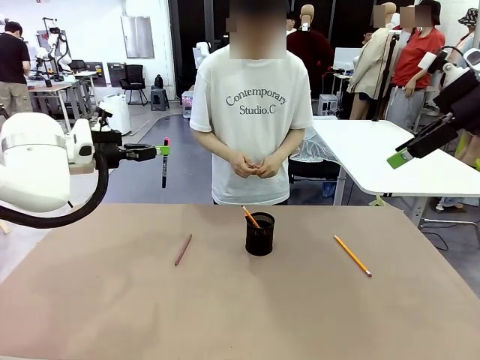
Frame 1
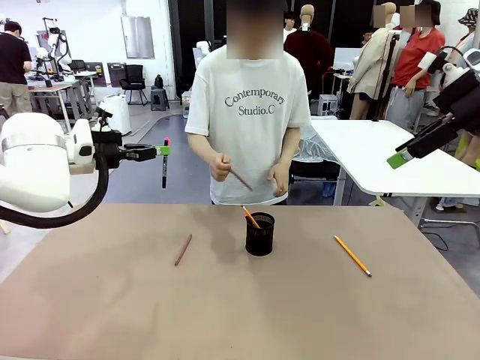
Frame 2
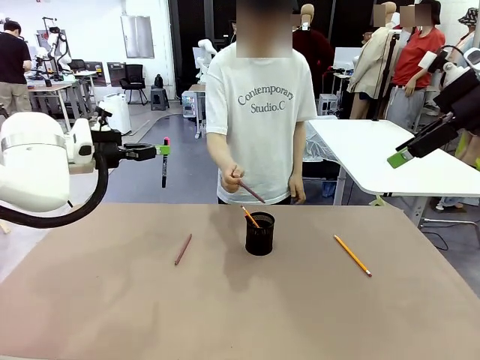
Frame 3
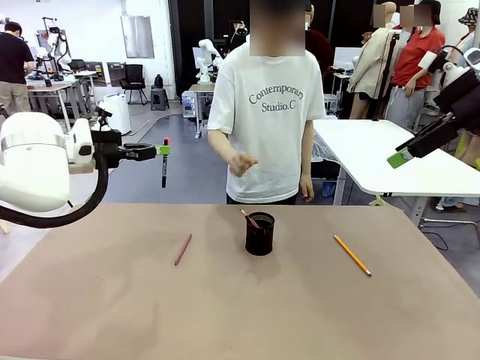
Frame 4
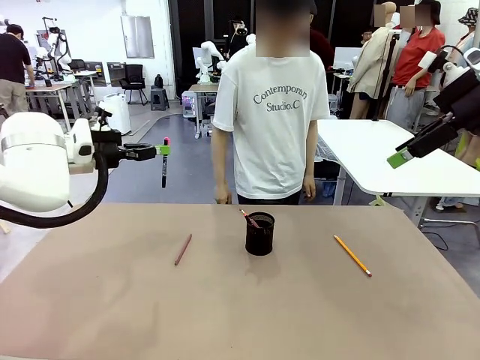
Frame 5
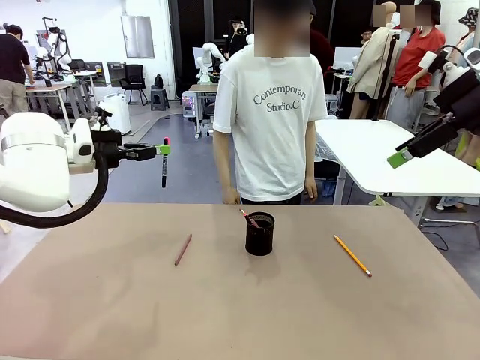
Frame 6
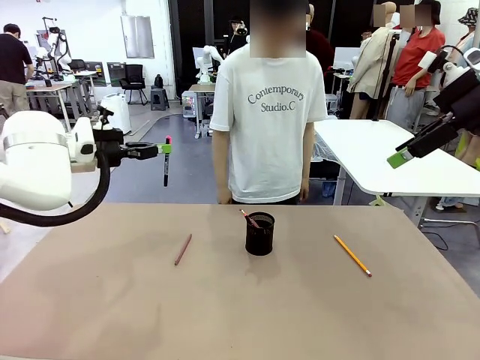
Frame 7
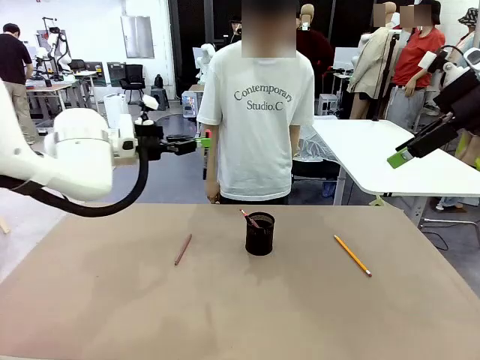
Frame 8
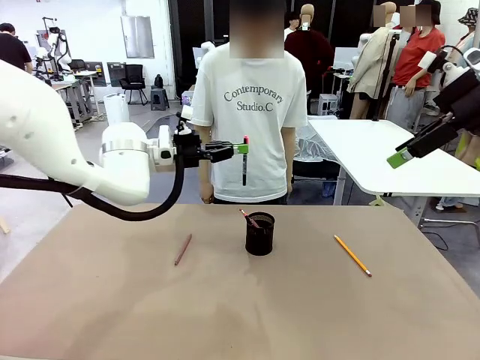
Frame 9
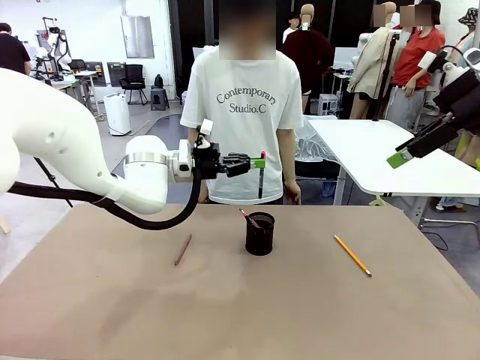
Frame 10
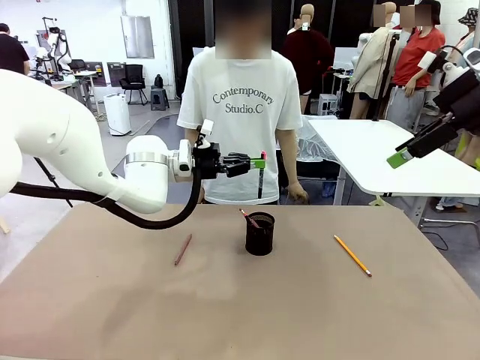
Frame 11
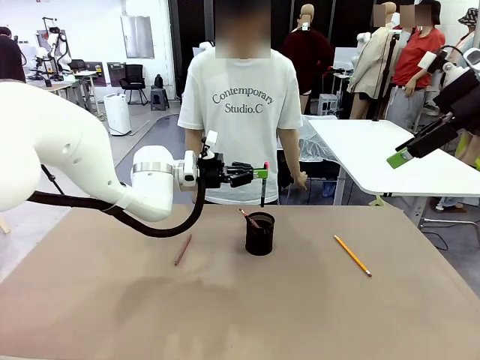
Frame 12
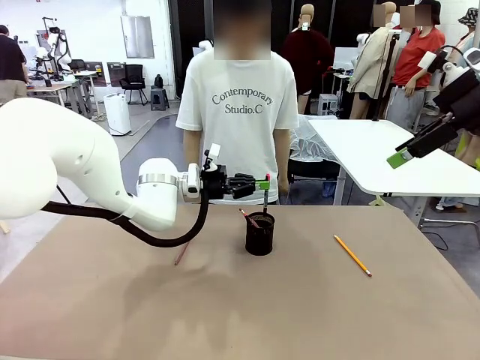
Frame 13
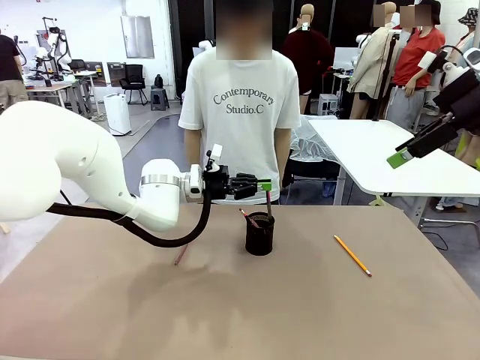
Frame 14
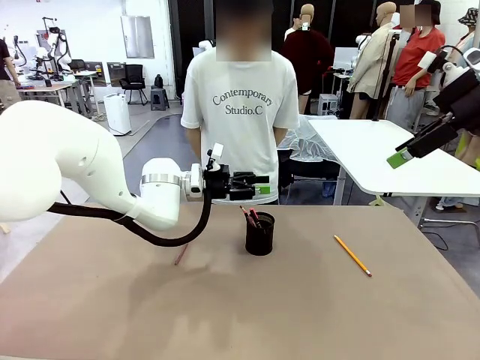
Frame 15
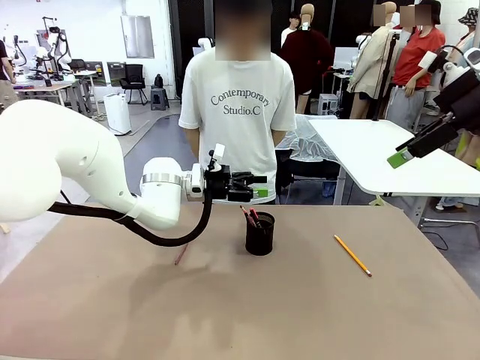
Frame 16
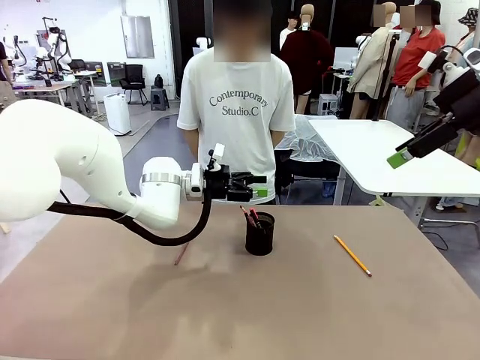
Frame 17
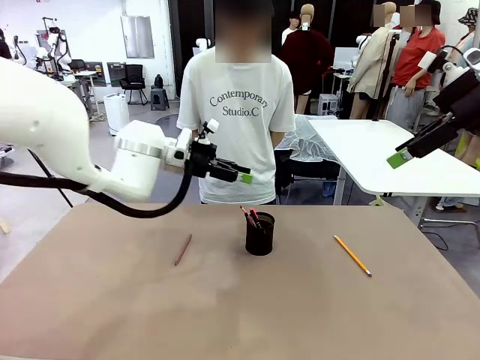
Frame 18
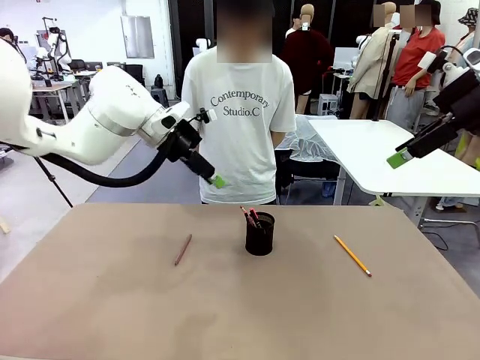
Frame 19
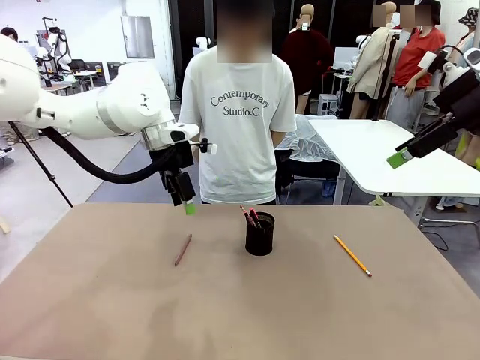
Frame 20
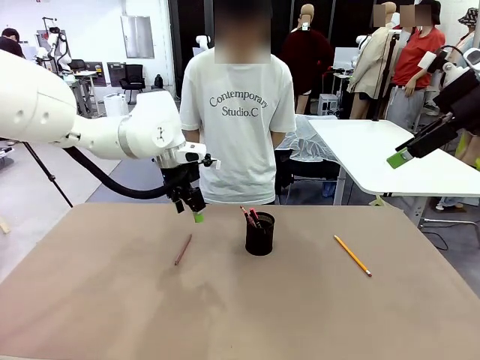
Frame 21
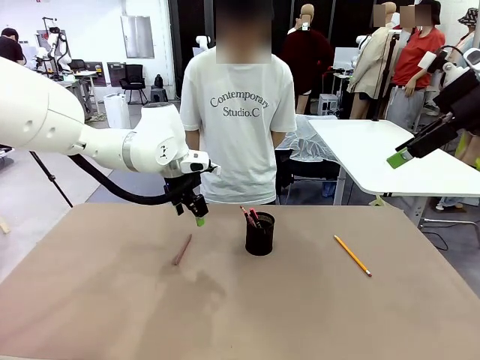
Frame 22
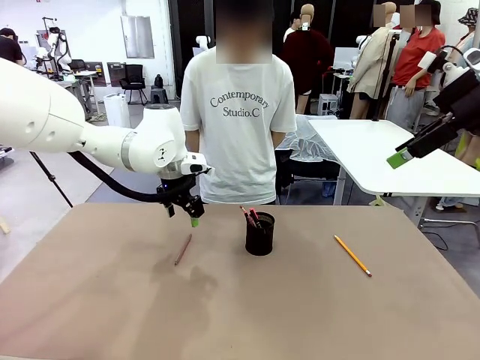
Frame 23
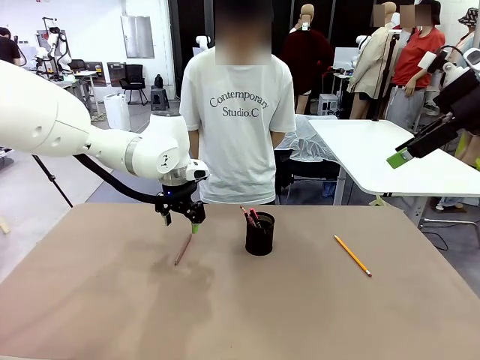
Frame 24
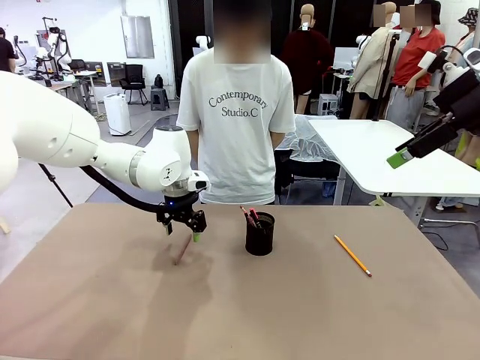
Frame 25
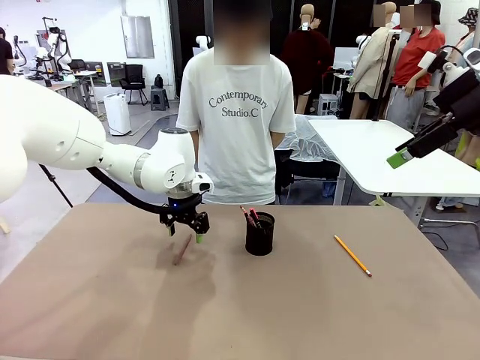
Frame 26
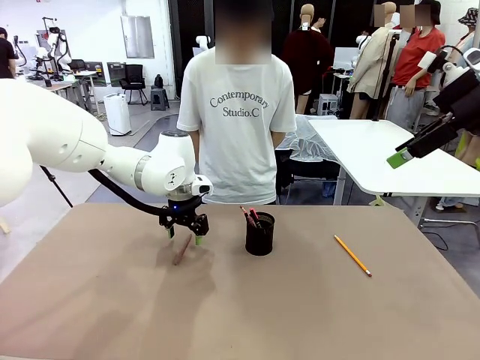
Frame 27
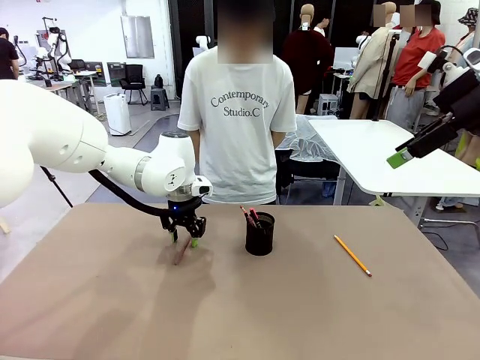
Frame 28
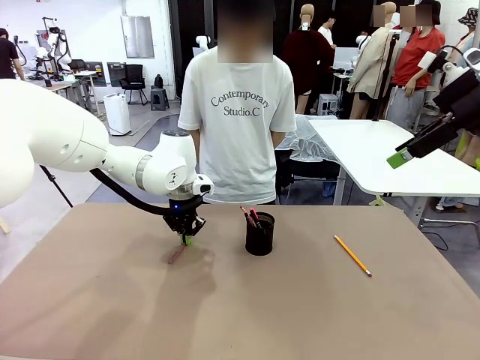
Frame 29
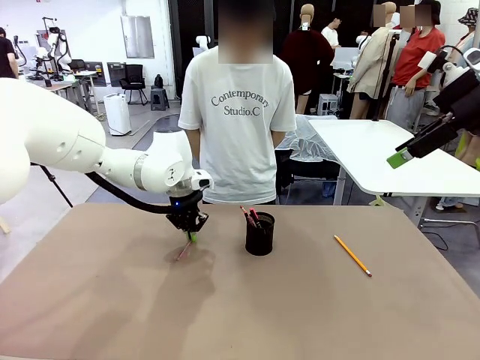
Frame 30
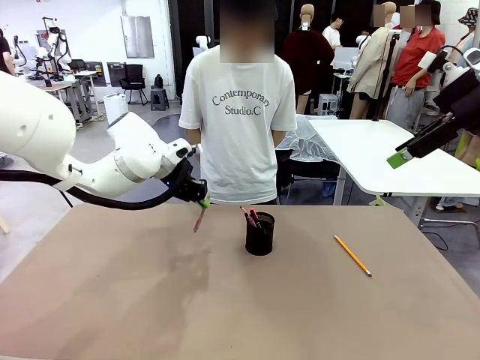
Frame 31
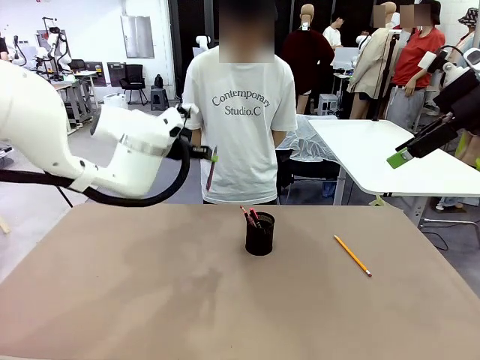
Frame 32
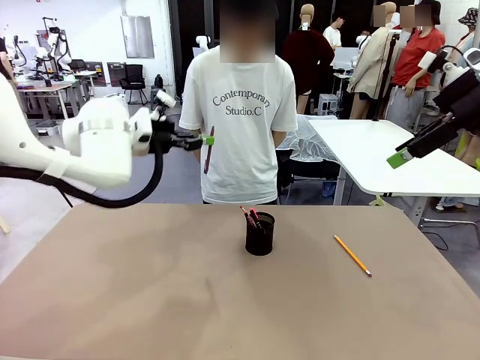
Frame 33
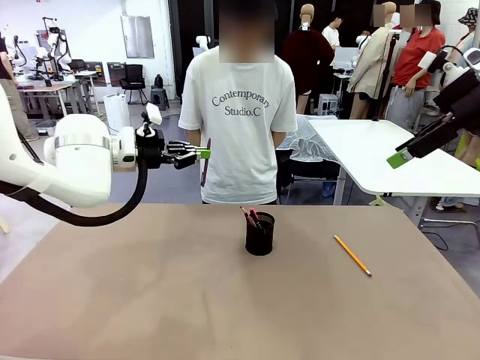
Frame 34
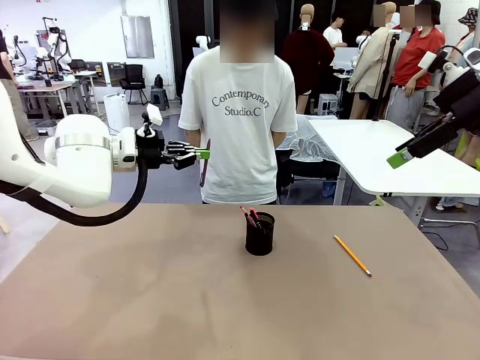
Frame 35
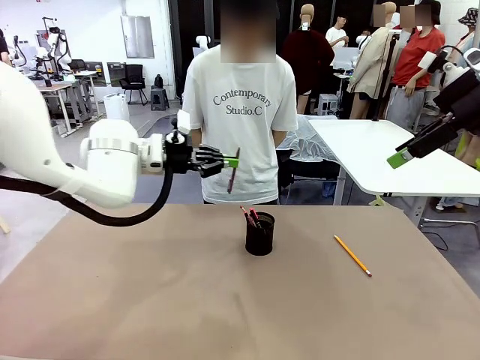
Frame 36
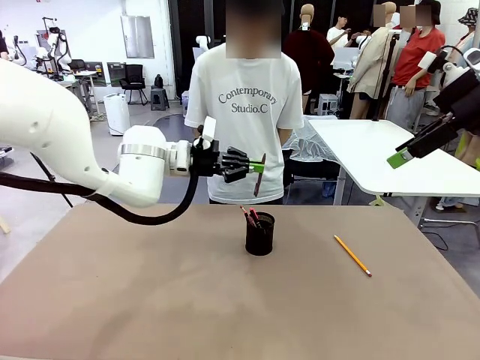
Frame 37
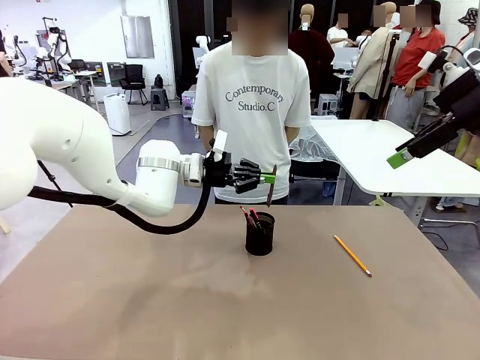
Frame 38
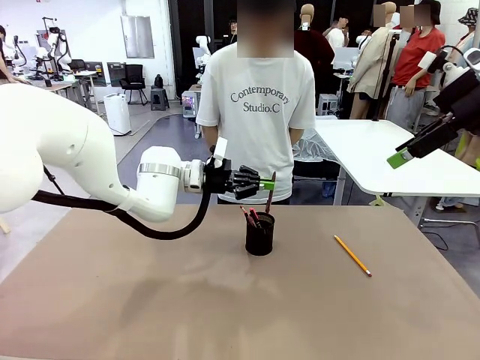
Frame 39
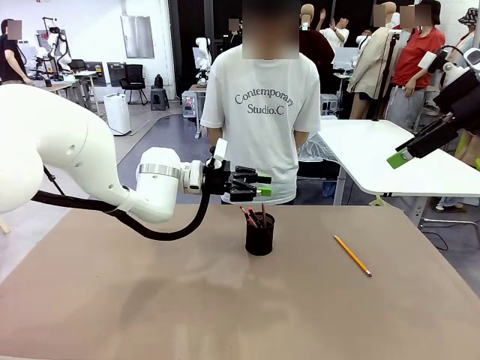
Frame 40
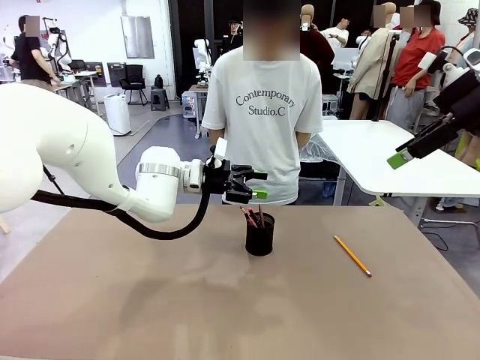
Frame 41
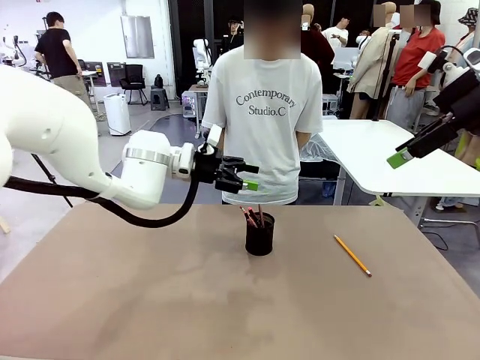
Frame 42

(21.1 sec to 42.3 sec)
Task: Place the pens into the pen holder.
Robot: Pick up a writing instrument from the table and place it into the Pen holder.
